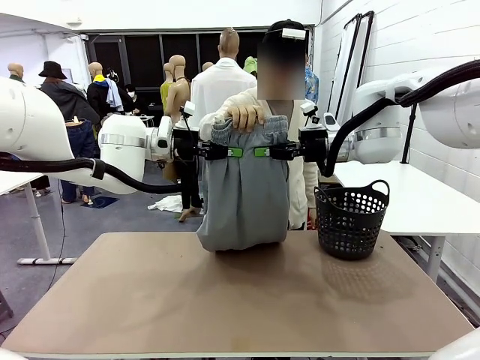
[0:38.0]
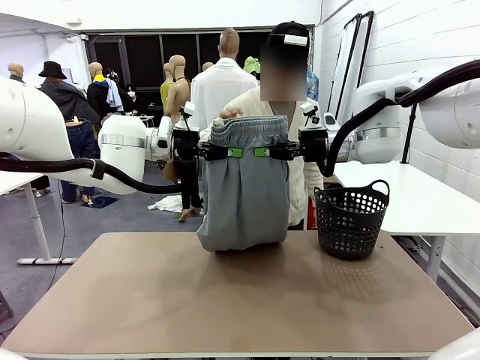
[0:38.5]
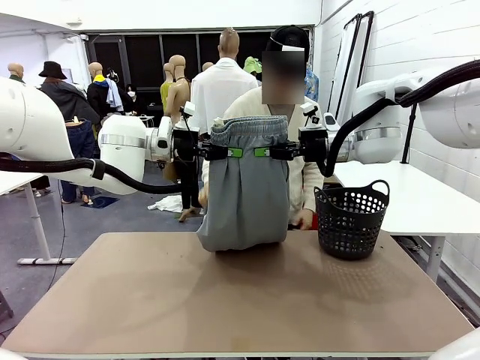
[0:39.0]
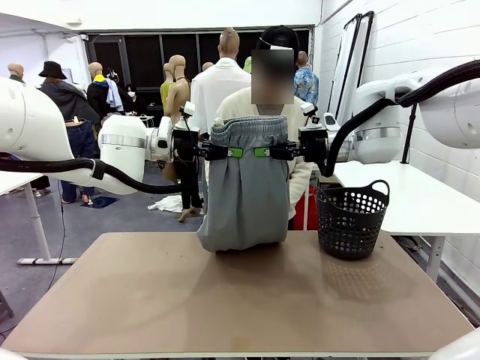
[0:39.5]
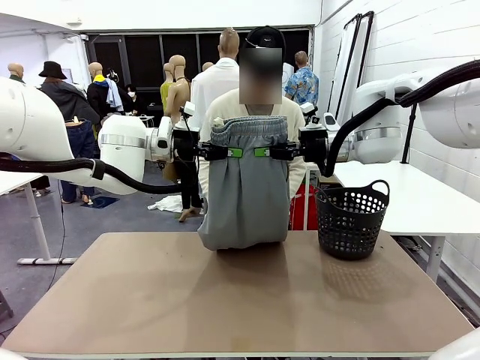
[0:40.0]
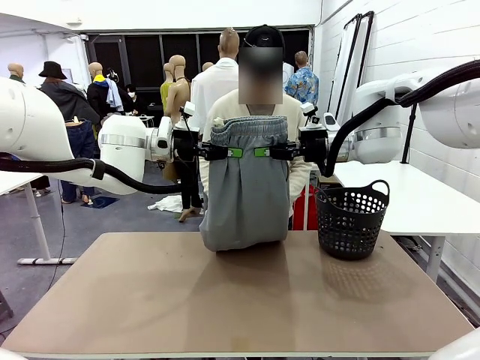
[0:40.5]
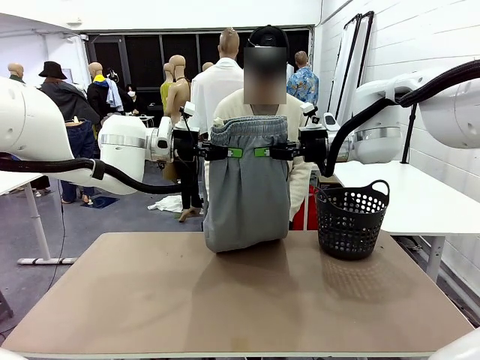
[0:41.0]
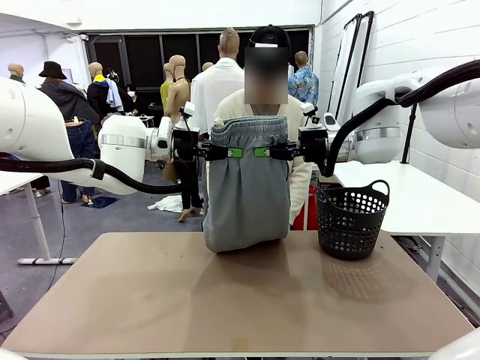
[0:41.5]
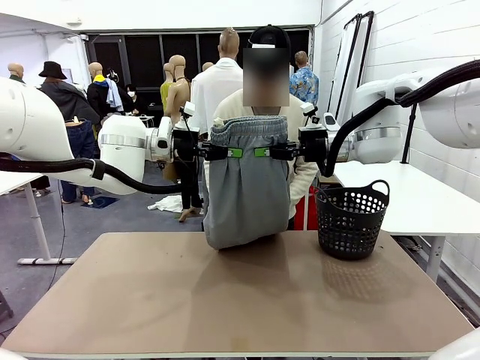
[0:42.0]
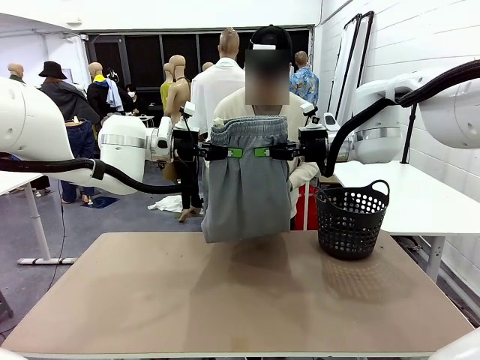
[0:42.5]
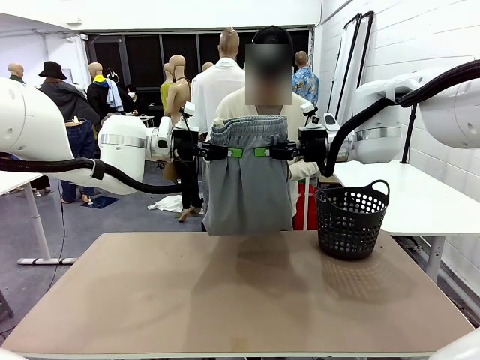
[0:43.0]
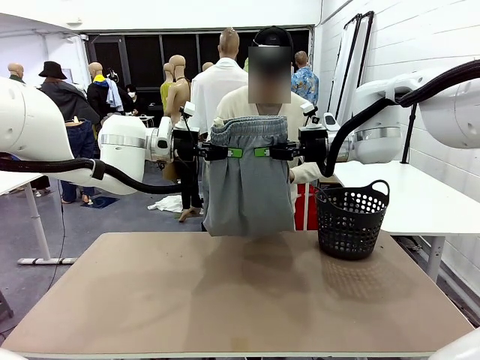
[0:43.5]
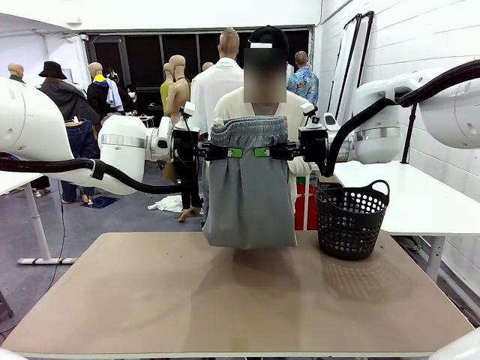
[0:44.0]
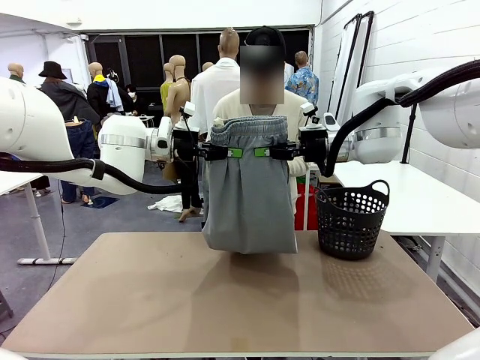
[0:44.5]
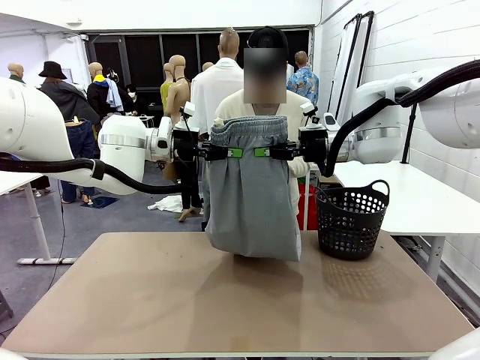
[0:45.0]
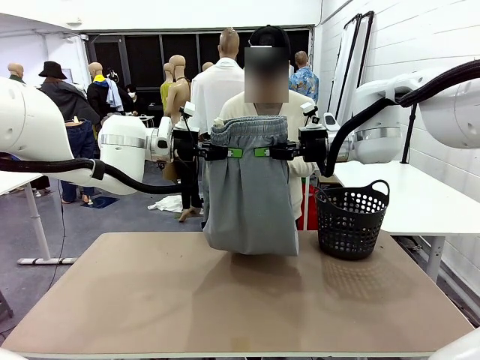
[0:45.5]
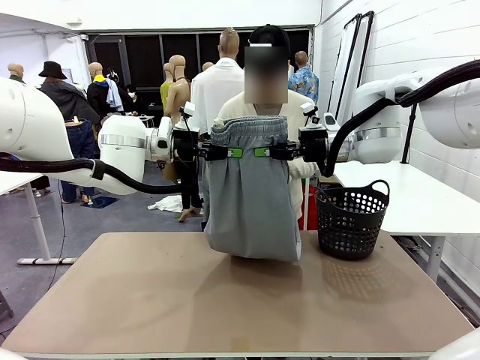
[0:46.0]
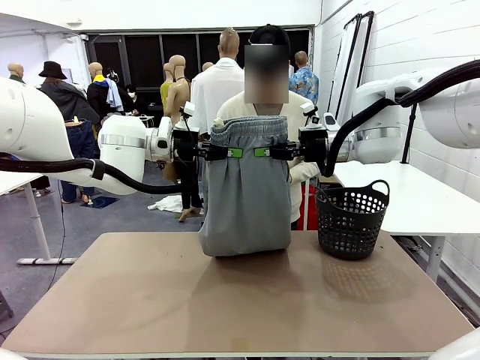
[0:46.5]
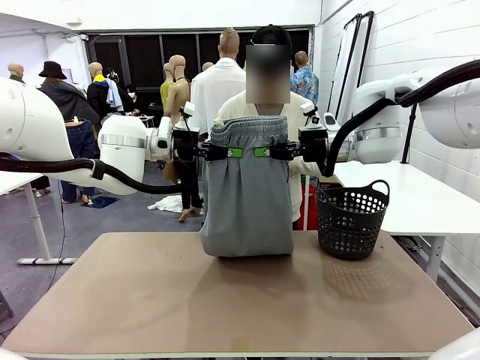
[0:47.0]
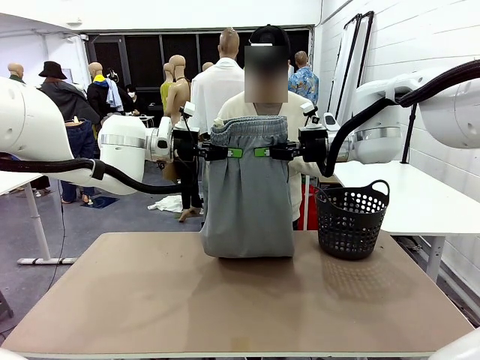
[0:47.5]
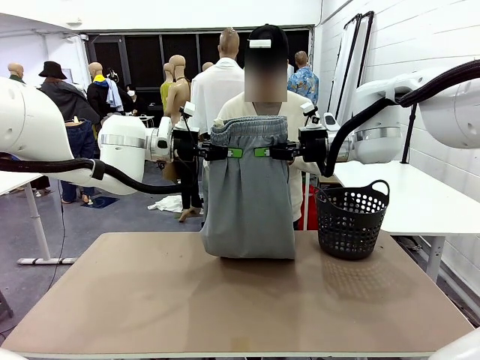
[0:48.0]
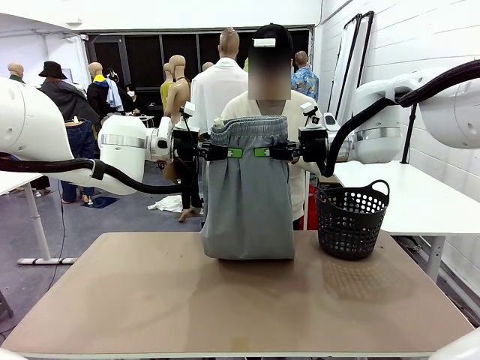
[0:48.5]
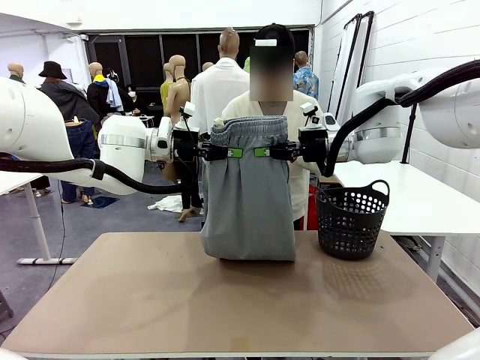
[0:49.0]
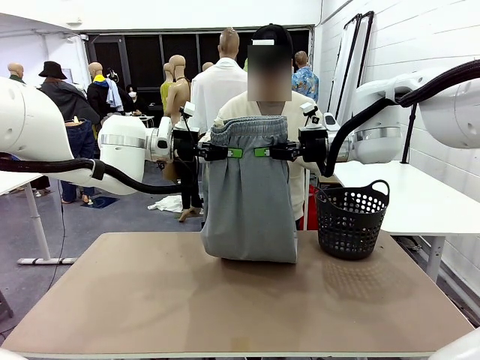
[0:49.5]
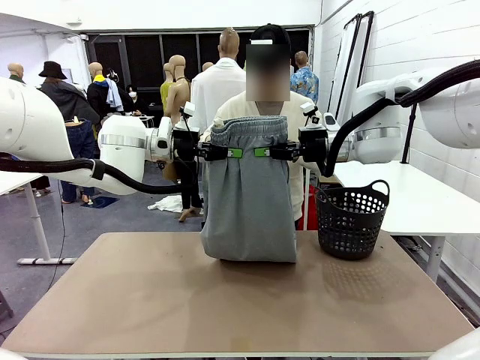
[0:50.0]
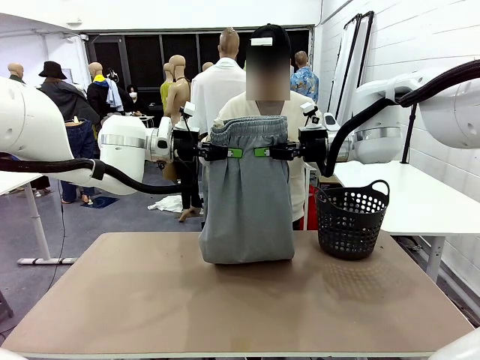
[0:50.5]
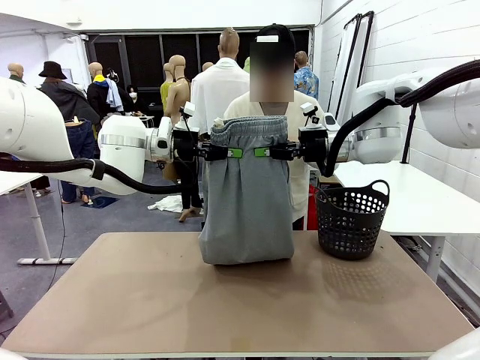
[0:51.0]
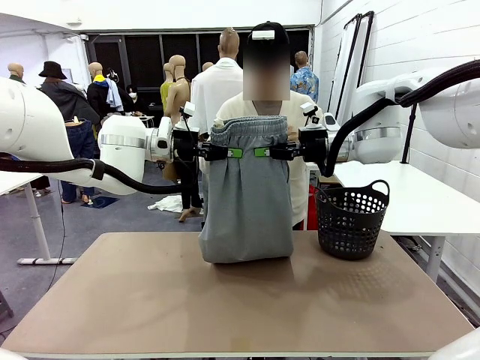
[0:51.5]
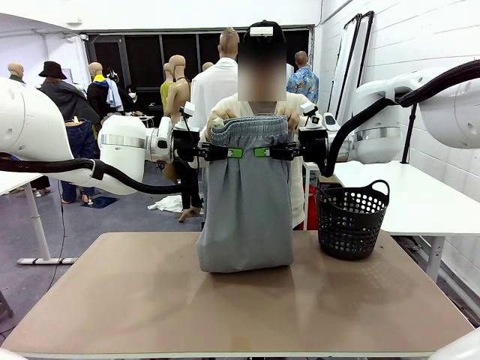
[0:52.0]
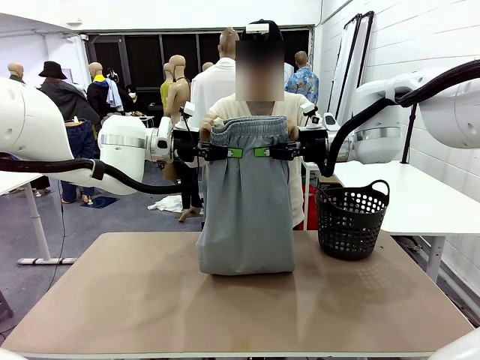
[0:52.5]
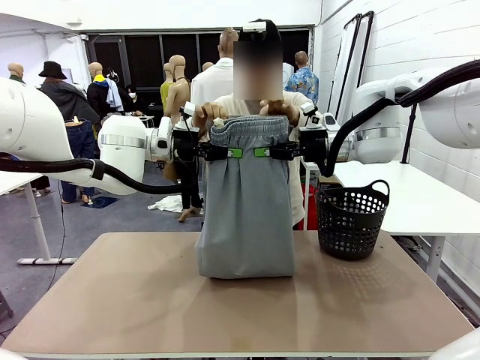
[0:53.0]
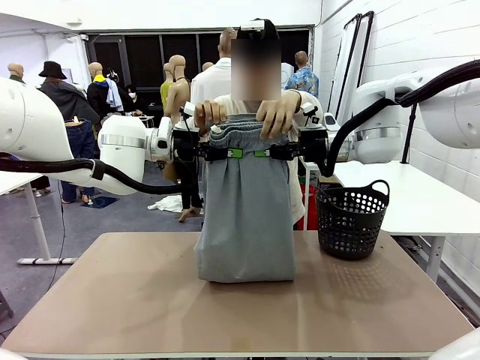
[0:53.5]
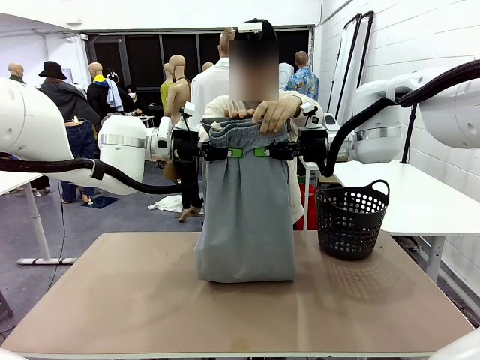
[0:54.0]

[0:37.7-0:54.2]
Task: Fold the training pants.
Robot: Release the ends of the Training pants and then grab the overlapped ends.
Person: Grasp the end opposite the point the robot is holding, fold the pants in half, and then grasp the overlapping top end of the folded pants.

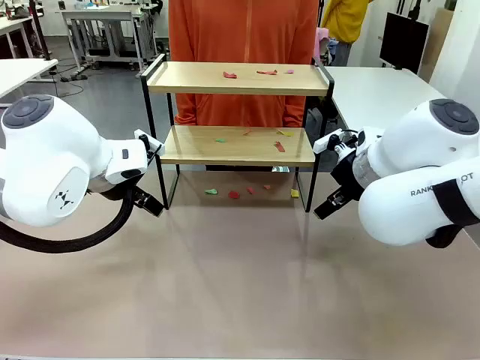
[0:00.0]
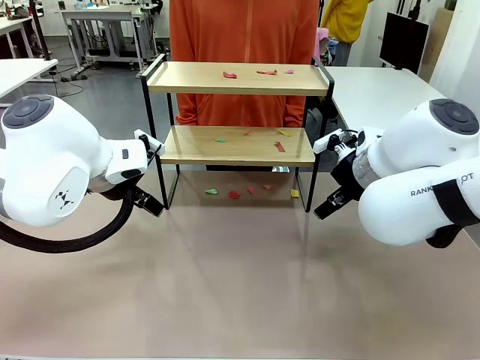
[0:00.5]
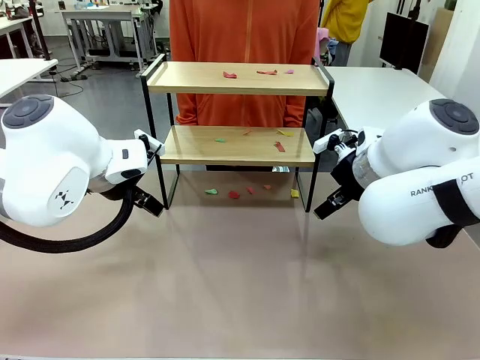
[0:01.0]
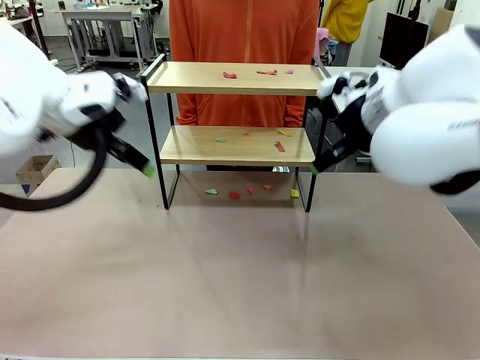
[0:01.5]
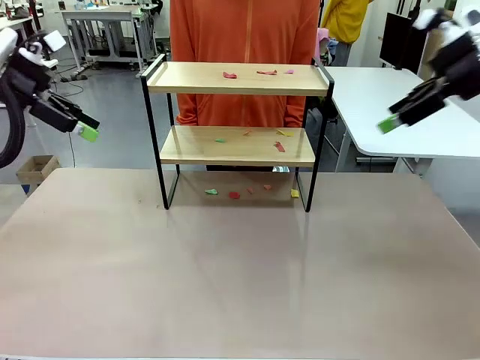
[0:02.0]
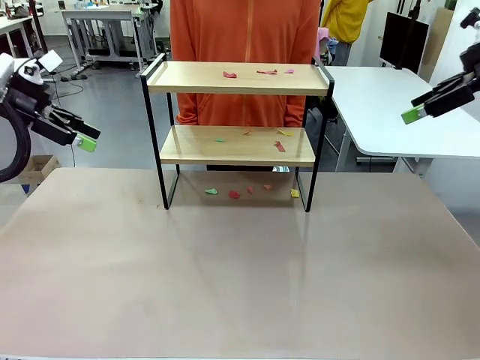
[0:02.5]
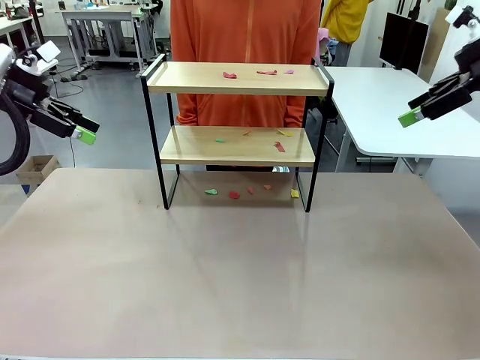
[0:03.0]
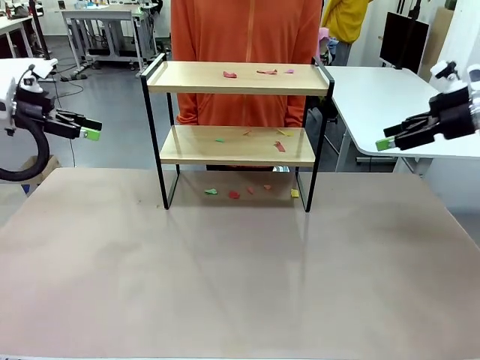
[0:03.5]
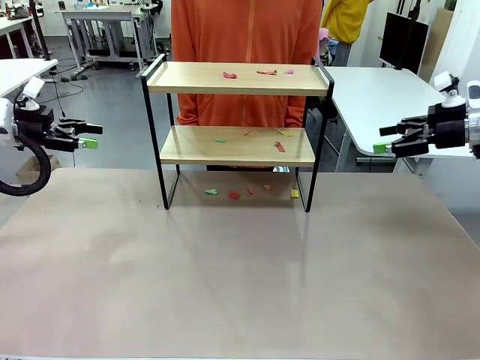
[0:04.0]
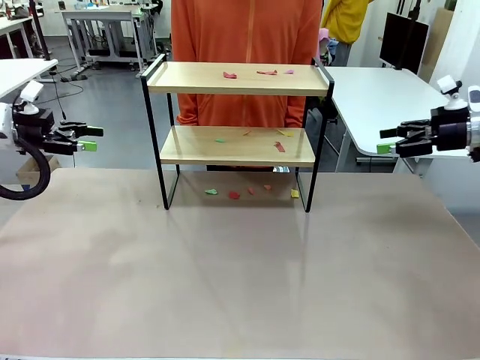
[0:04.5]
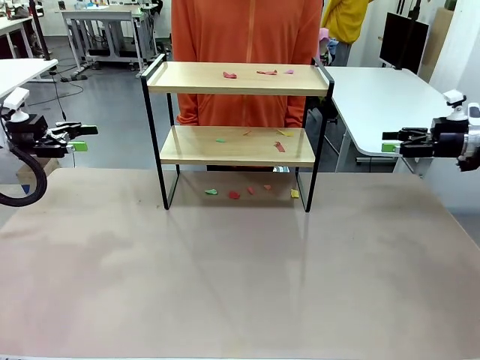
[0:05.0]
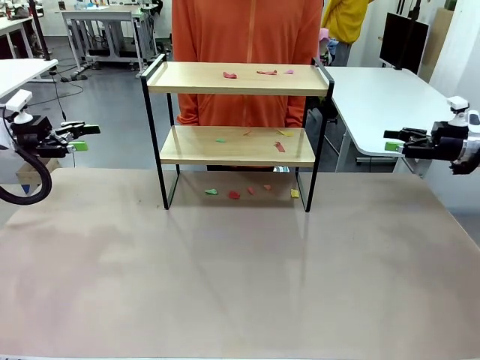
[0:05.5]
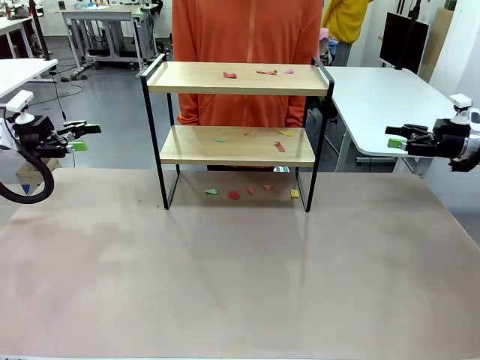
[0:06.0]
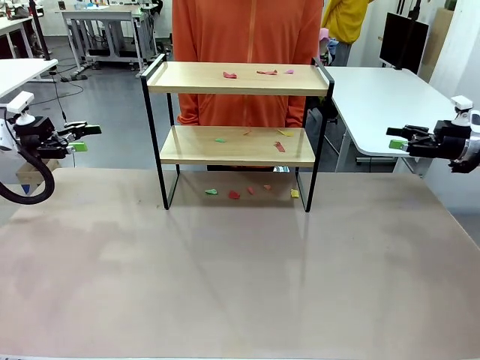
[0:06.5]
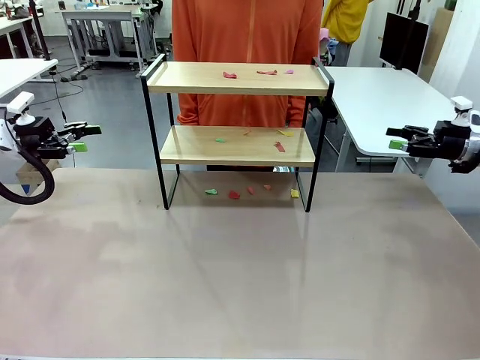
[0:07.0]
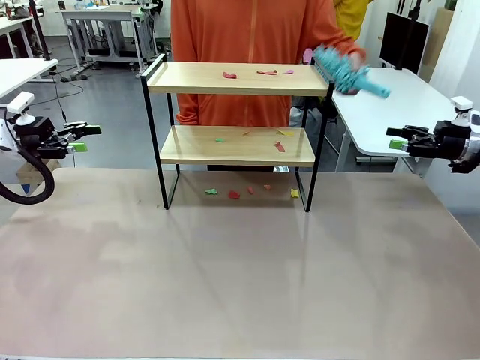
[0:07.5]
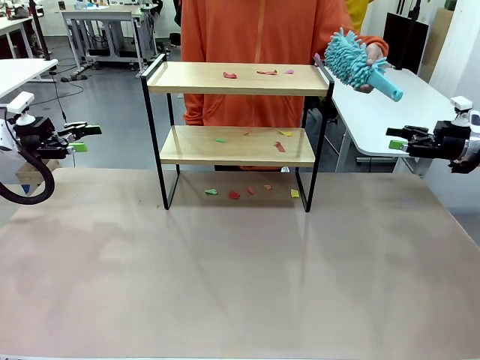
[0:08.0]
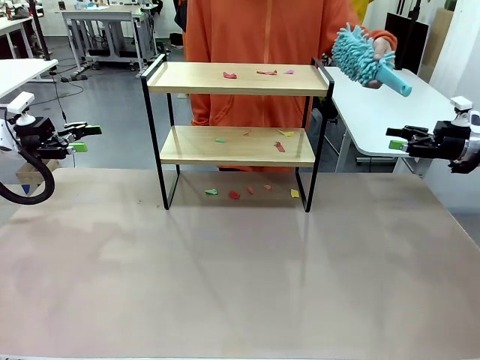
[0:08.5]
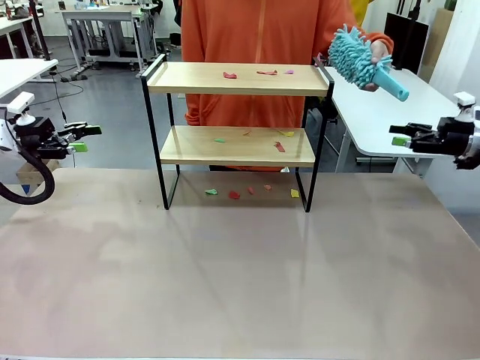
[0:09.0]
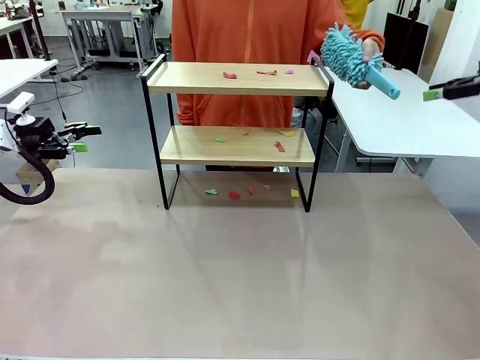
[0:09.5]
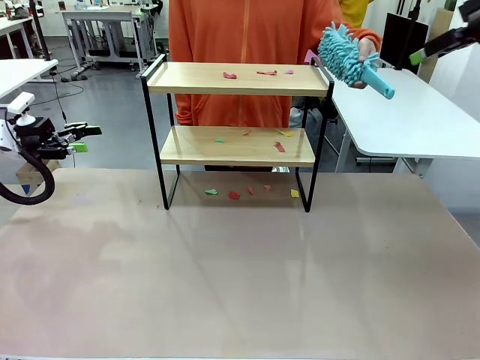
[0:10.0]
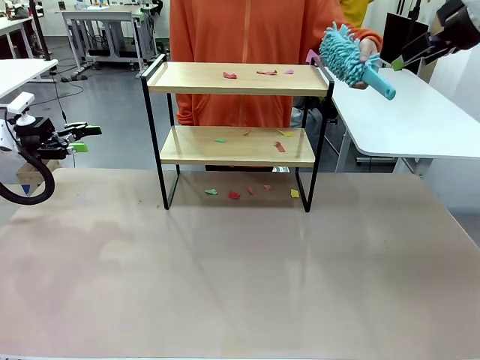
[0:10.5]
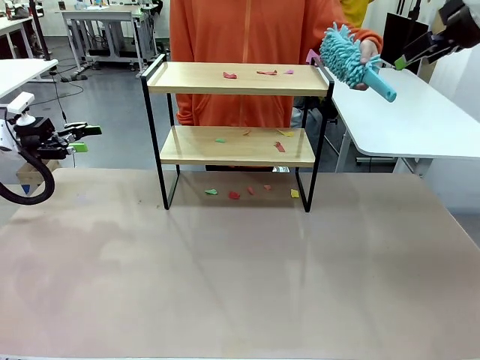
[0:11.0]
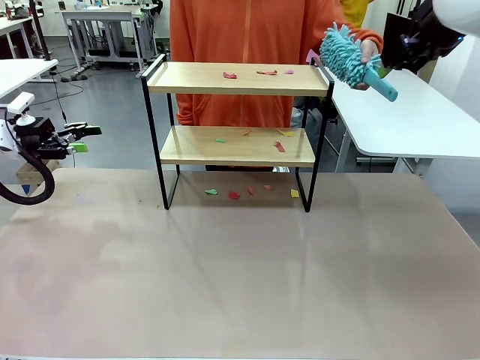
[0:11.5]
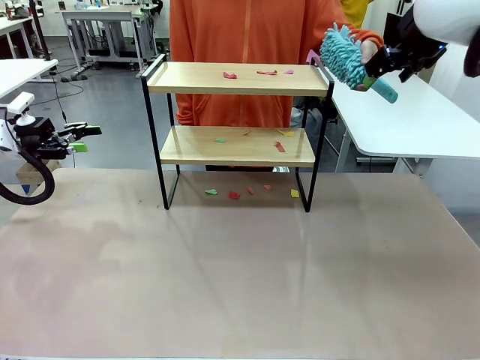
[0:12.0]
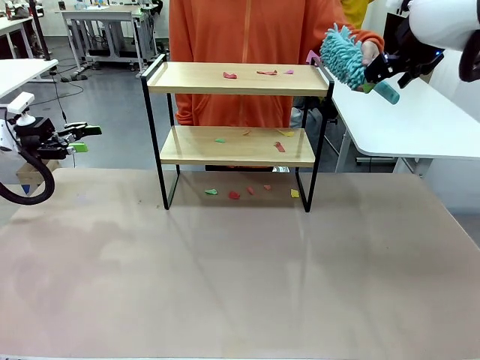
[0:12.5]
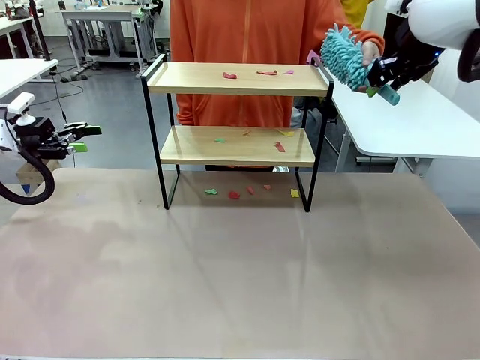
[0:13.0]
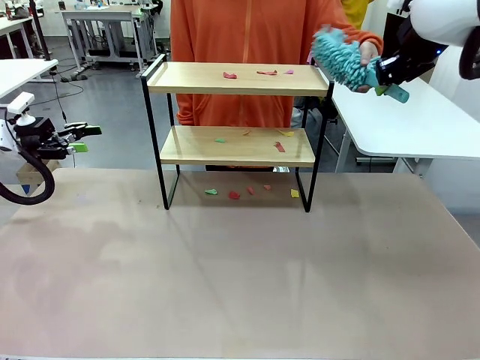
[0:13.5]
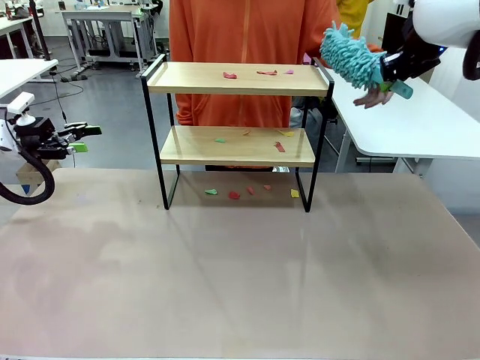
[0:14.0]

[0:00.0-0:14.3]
Task: Clean the shelf.
Robot: Pick up the Duster handed by the human.
Person: Hand the Duster to the robot.
